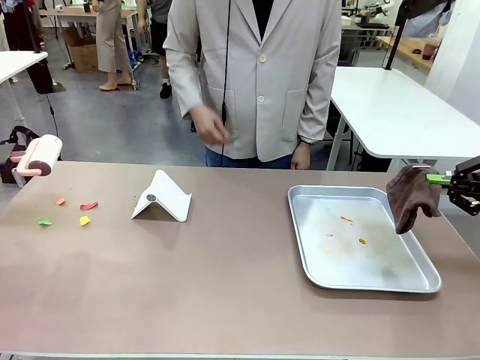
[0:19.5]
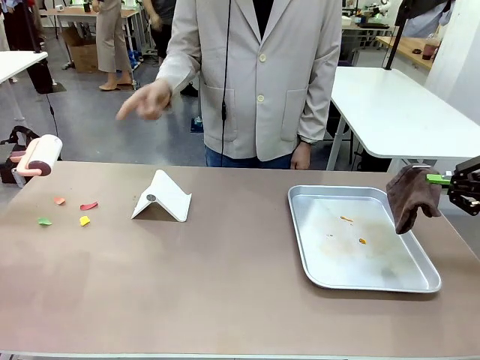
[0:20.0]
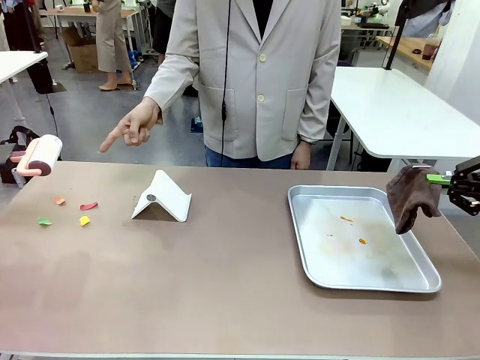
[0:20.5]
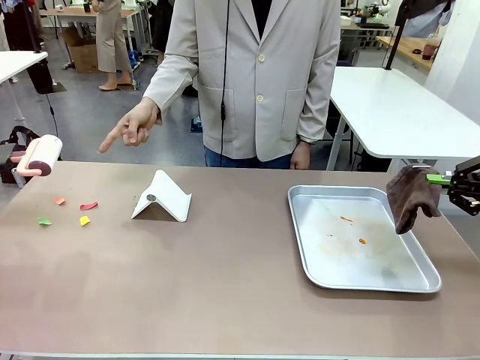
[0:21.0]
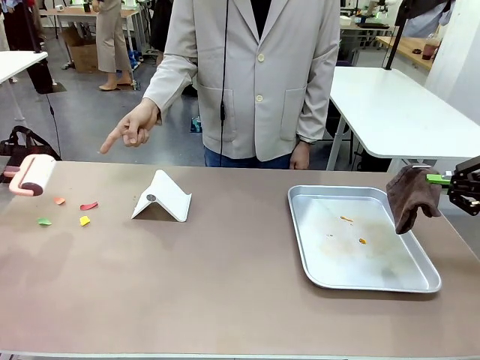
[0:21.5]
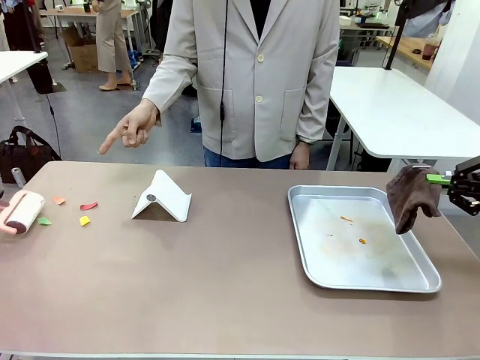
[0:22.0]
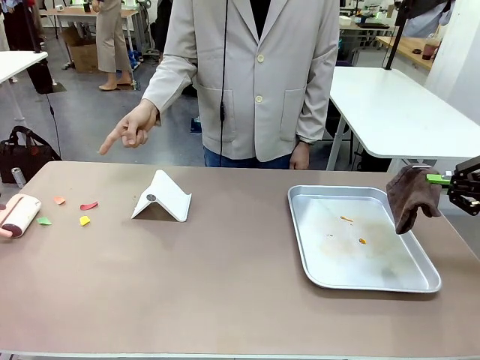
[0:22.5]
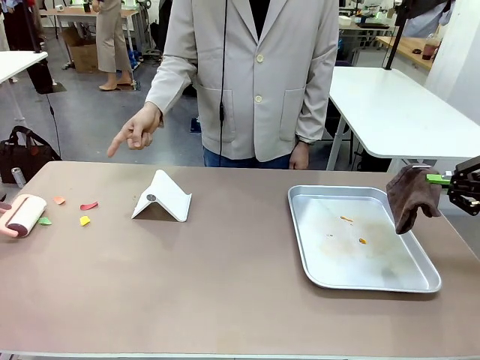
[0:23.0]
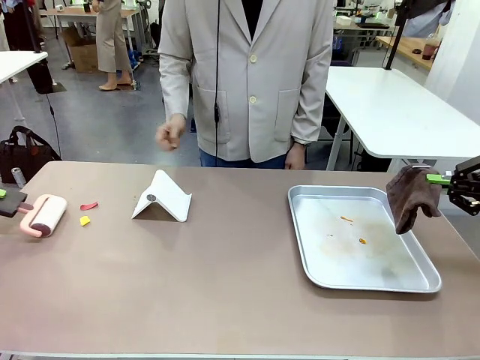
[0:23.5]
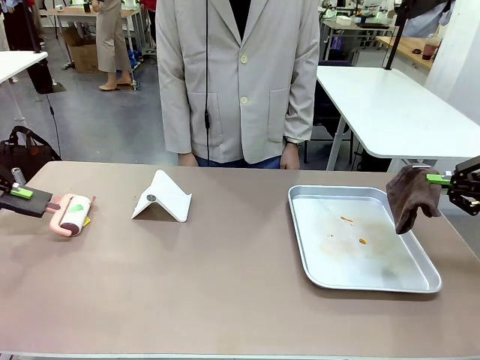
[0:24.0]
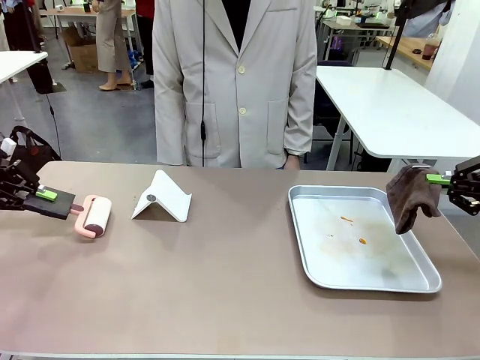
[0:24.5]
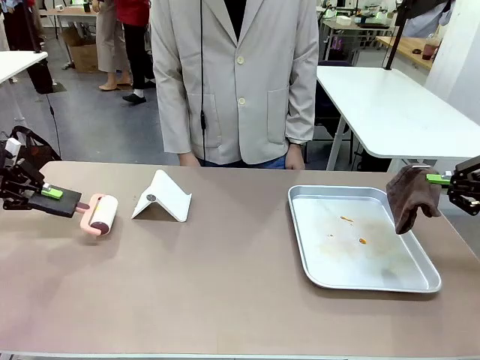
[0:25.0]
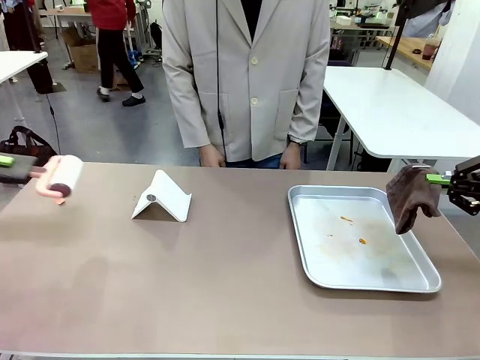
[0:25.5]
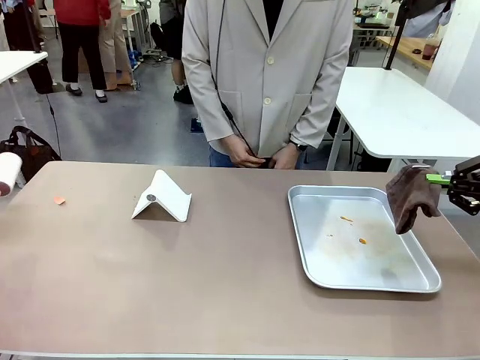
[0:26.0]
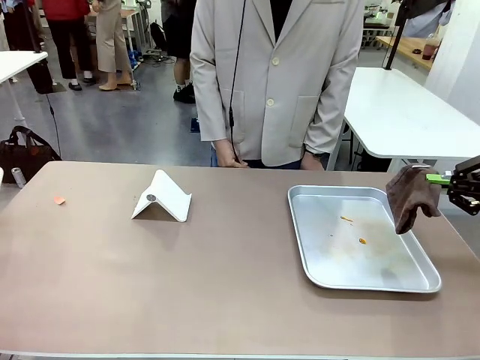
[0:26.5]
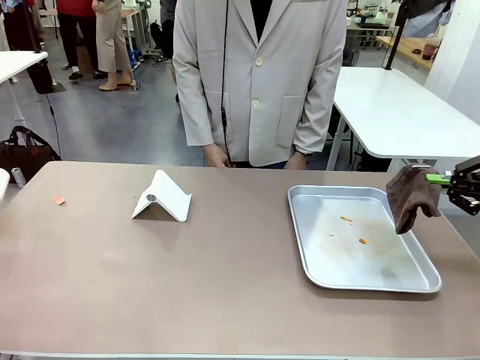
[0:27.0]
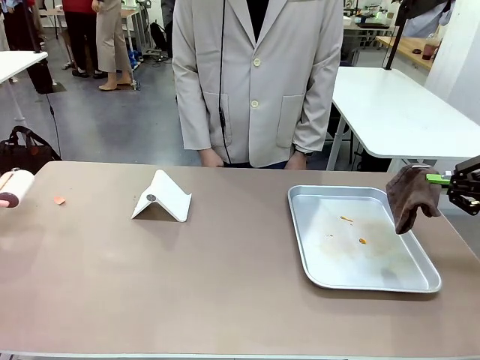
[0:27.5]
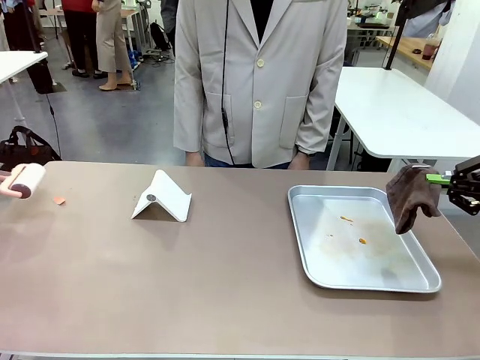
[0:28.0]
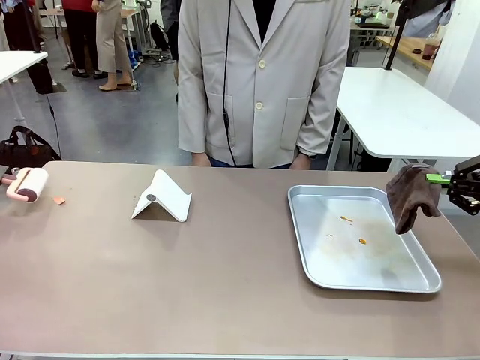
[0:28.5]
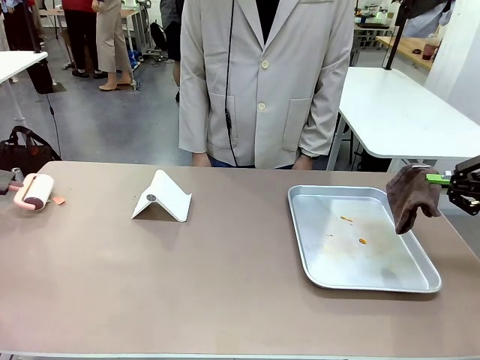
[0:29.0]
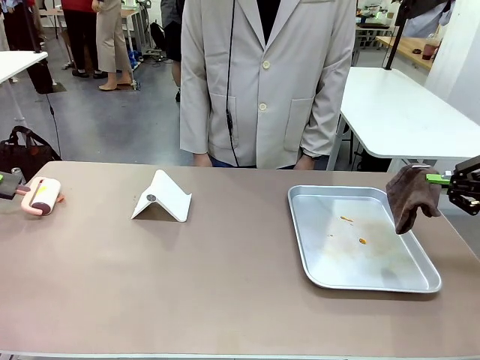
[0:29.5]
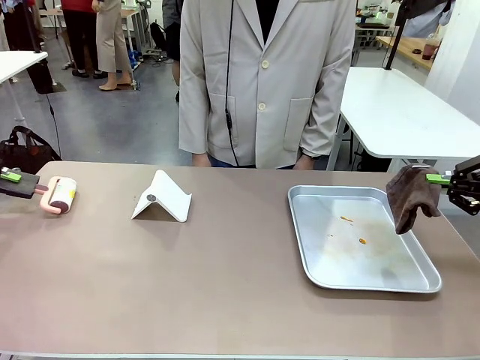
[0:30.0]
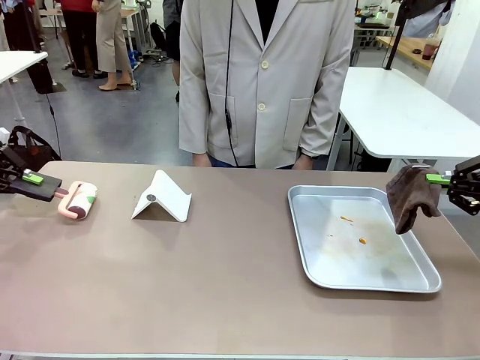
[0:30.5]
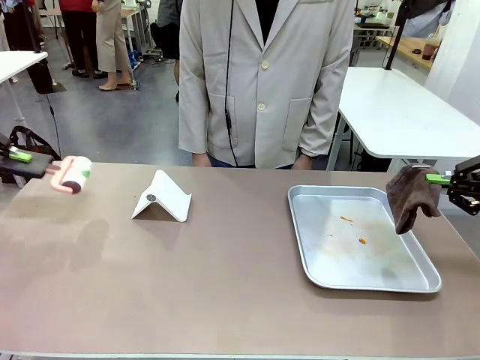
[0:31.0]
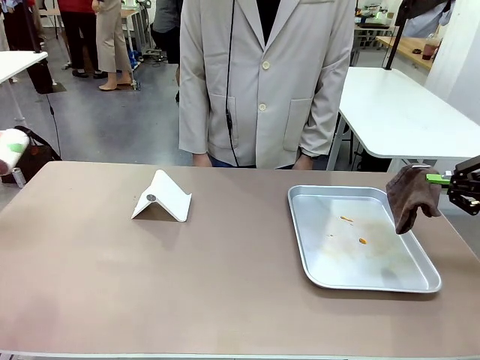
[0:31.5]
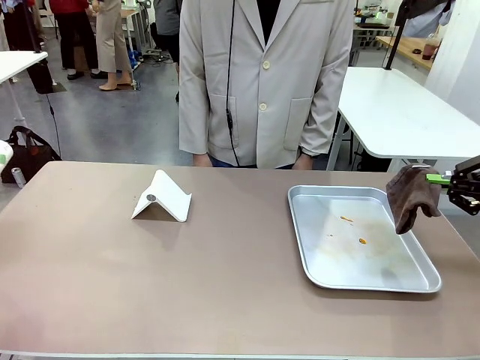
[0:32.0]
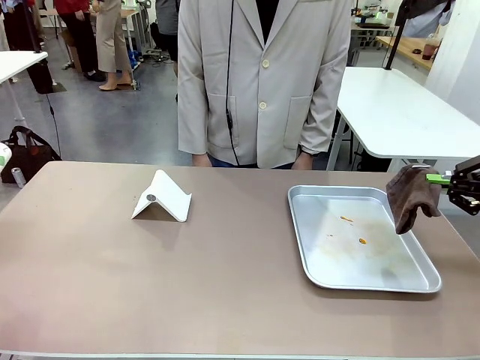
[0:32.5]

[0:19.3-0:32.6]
Task: Clean the surface of the table.
Robot: If a person points to the right, clean the right side of the table with your right hand, and if they point to the left, clean the left side with your left hand.

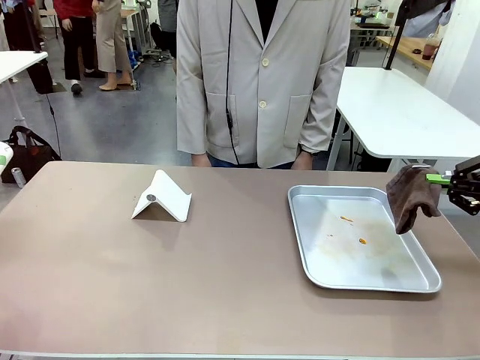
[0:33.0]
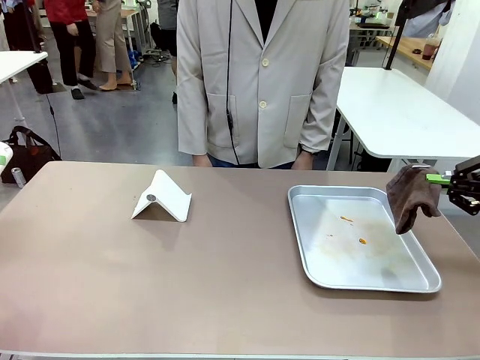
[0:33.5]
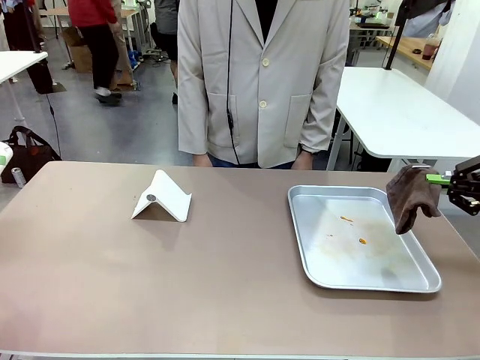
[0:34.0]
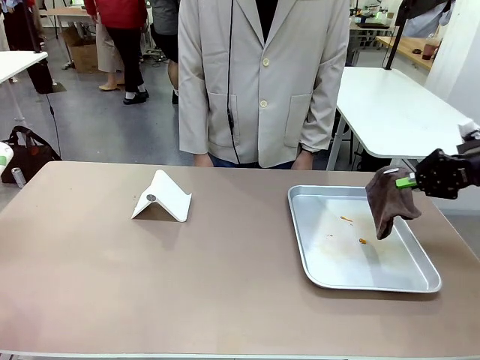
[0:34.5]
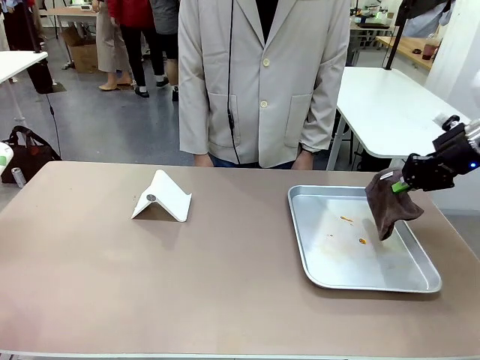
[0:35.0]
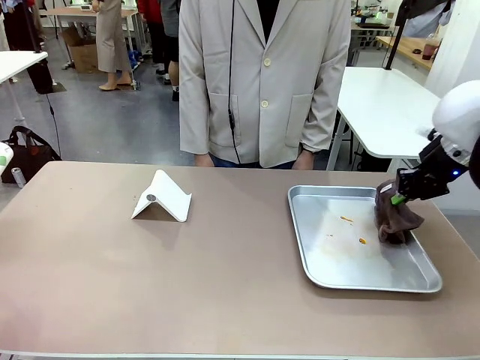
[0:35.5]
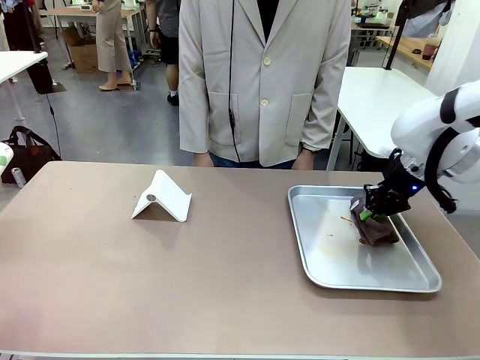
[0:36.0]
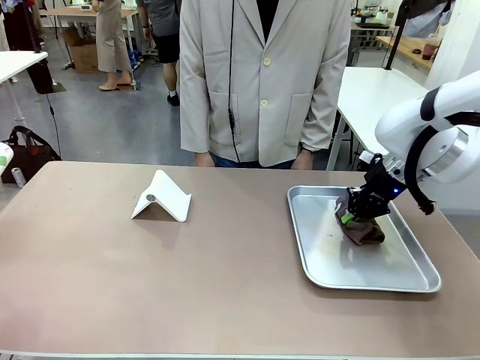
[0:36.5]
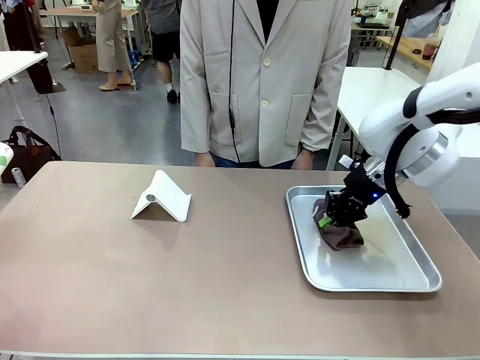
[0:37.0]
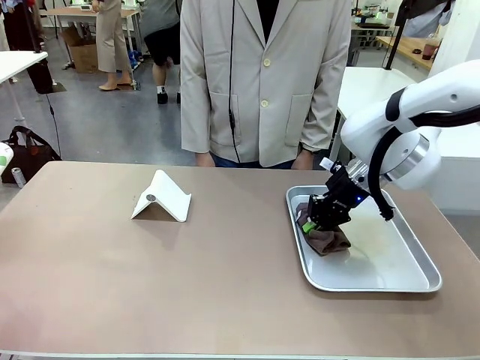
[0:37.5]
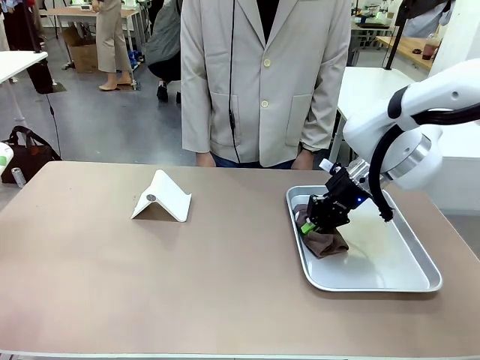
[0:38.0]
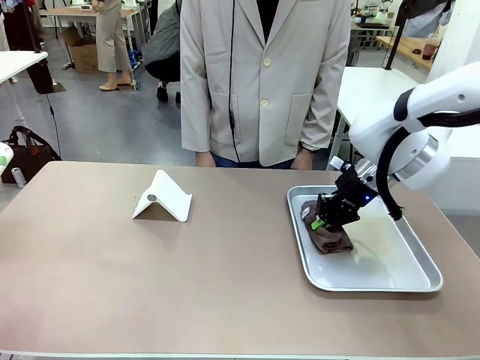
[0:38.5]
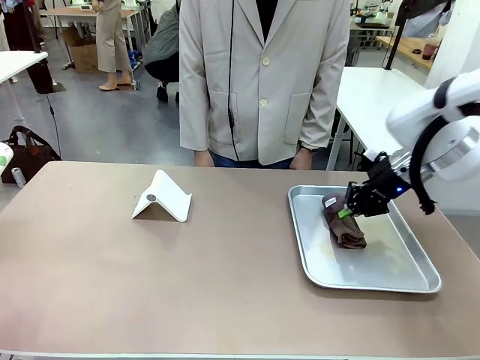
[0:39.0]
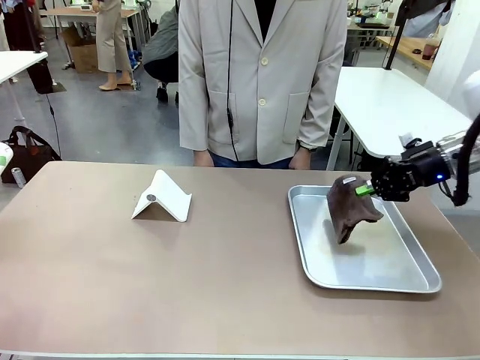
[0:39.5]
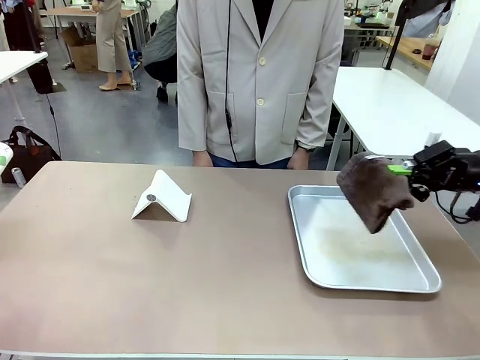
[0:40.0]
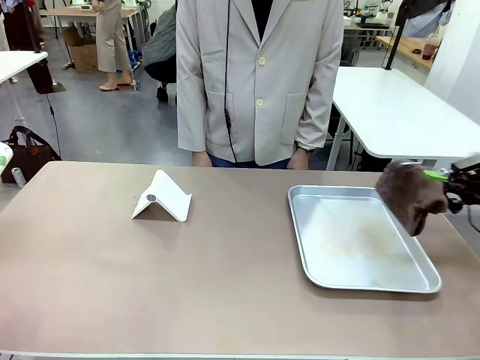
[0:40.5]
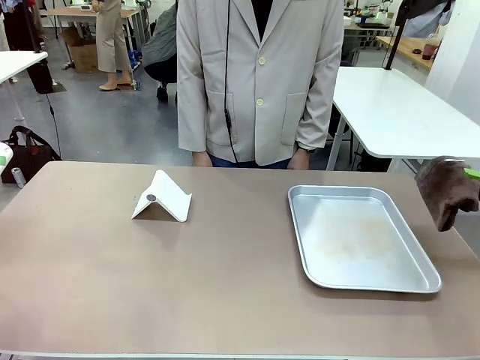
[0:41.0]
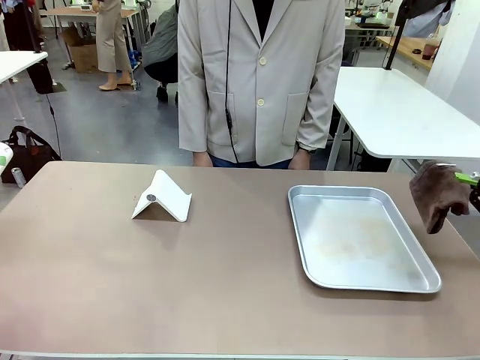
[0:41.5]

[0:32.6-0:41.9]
Robot: Clean the area not pointed to by the person.

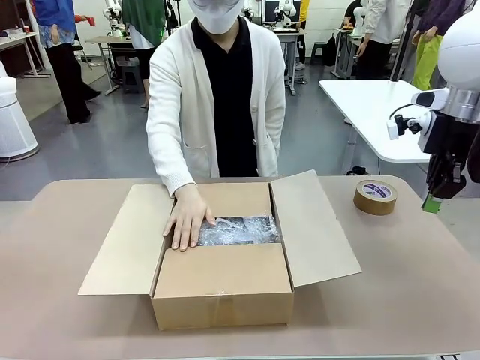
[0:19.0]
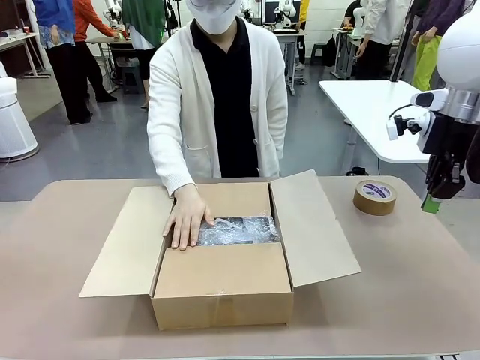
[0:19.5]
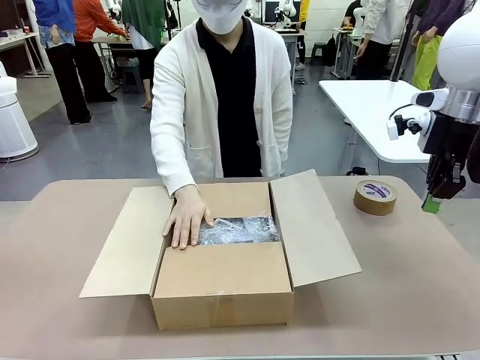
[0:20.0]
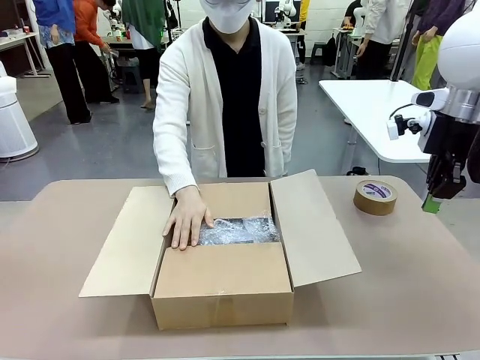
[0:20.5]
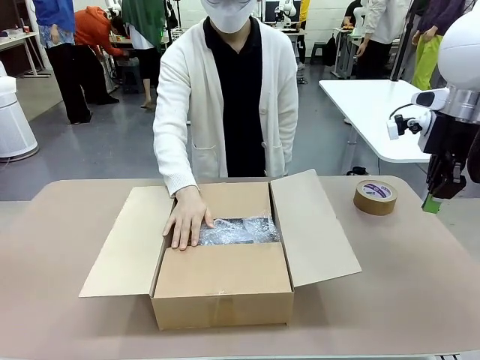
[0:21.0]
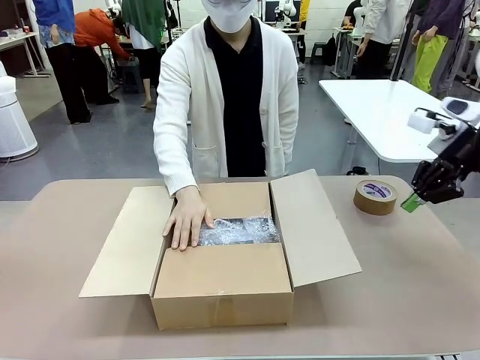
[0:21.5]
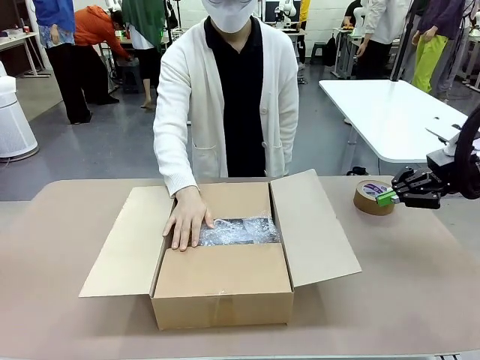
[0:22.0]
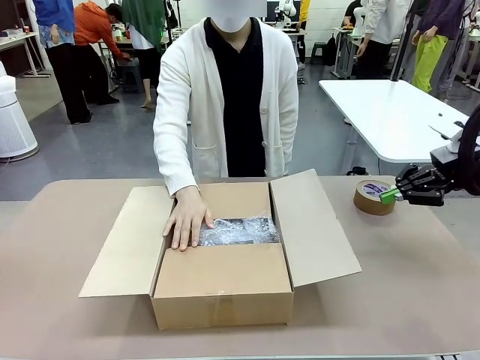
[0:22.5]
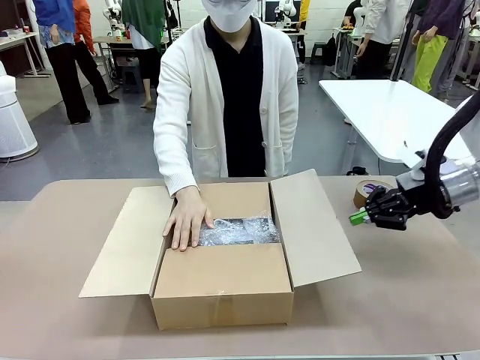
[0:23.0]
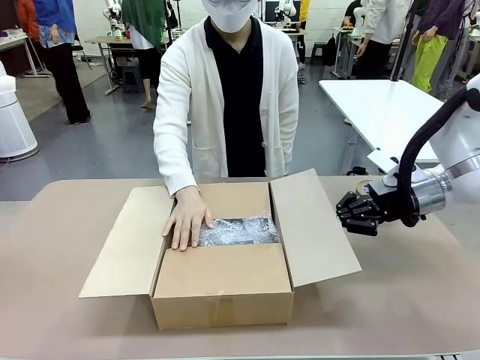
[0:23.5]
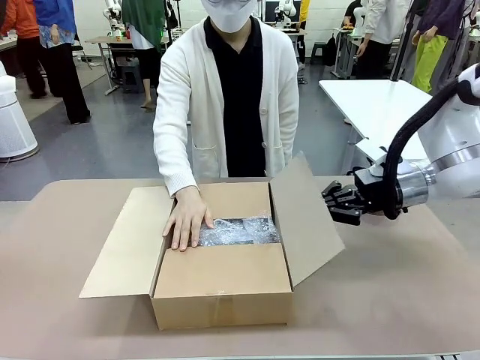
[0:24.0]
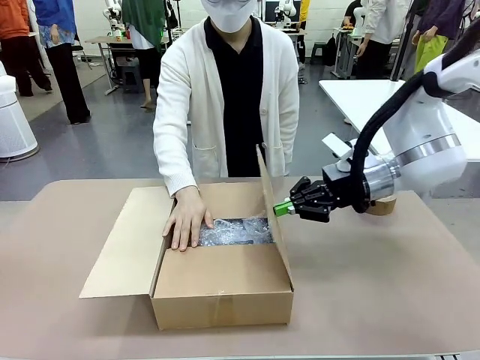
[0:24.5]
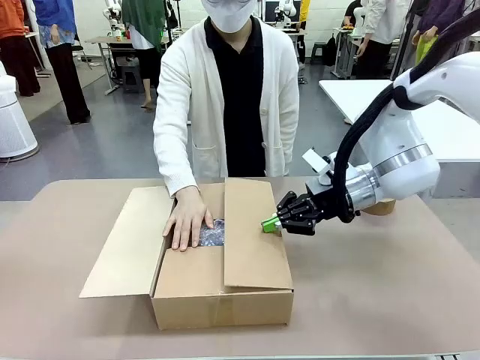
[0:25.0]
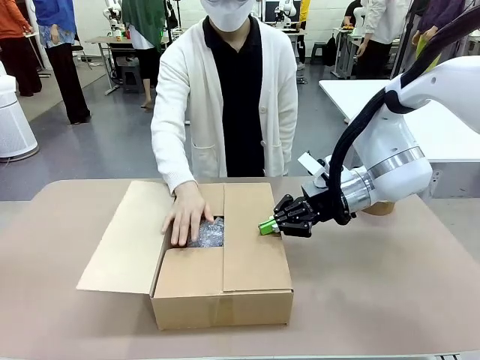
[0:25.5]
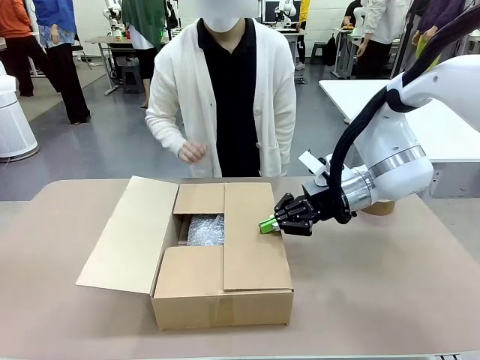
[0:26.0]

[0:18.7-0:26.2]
Task: Wrap the clocks to prevent damage.
Robot: Push the right (or left) flap of the Package Box to close it.
Person: Once the robot closes the right flap of the Package Box , release your left hand from the box.
